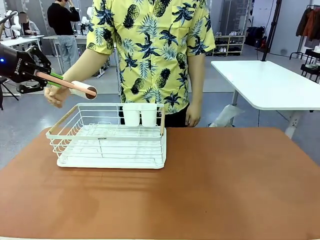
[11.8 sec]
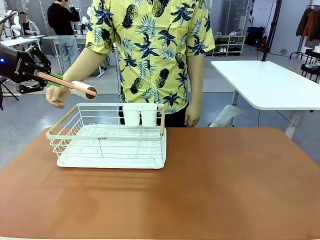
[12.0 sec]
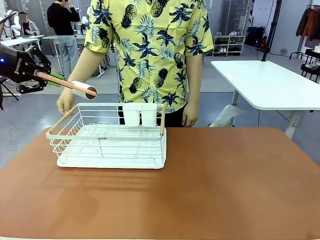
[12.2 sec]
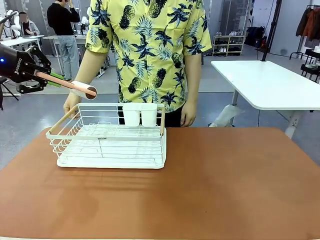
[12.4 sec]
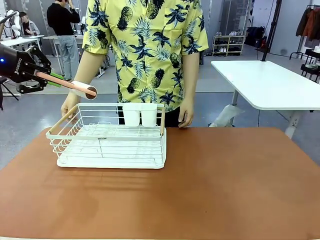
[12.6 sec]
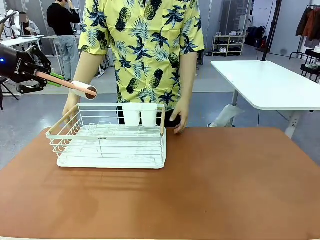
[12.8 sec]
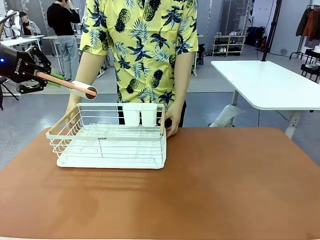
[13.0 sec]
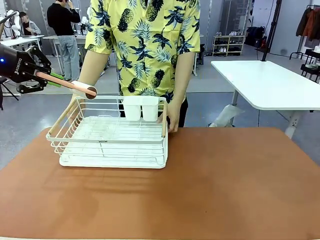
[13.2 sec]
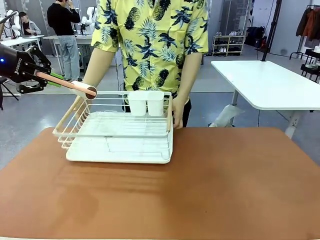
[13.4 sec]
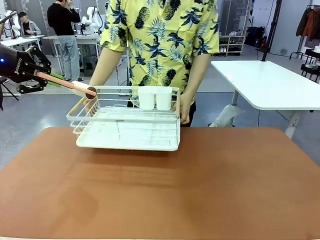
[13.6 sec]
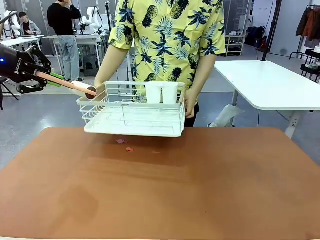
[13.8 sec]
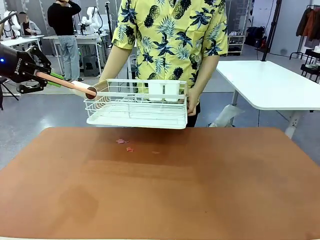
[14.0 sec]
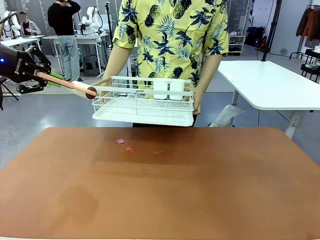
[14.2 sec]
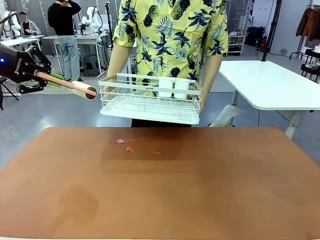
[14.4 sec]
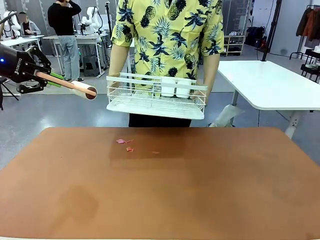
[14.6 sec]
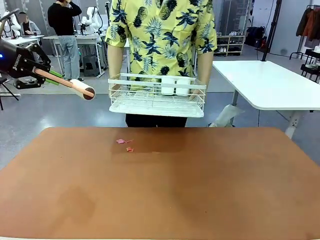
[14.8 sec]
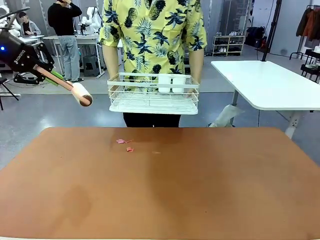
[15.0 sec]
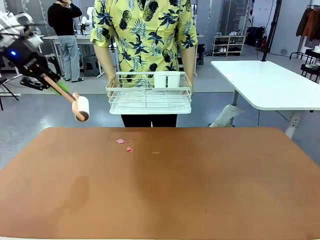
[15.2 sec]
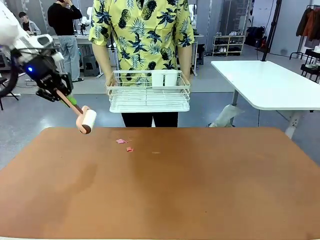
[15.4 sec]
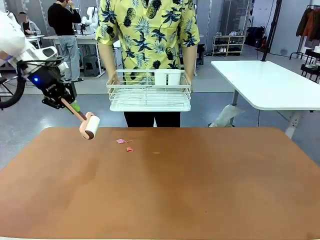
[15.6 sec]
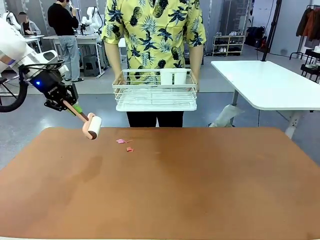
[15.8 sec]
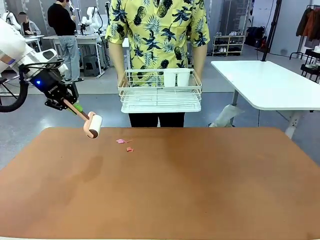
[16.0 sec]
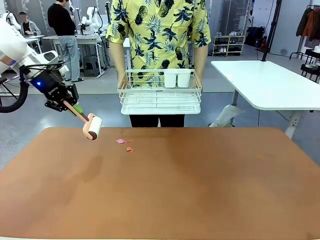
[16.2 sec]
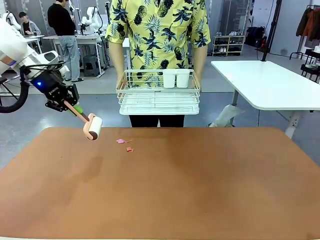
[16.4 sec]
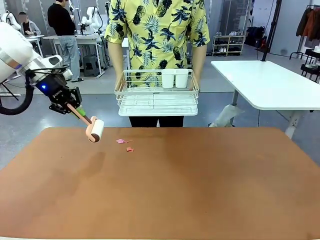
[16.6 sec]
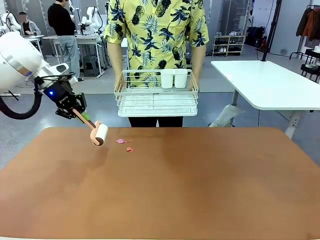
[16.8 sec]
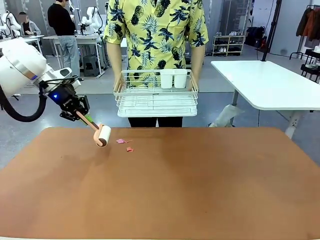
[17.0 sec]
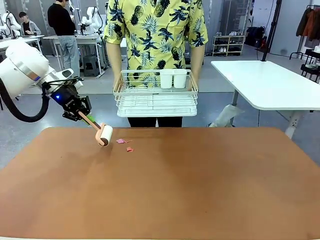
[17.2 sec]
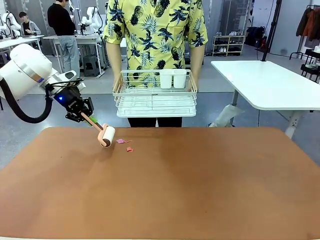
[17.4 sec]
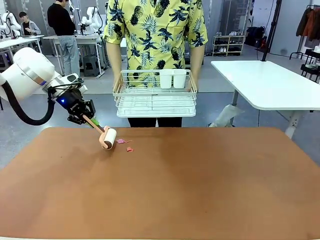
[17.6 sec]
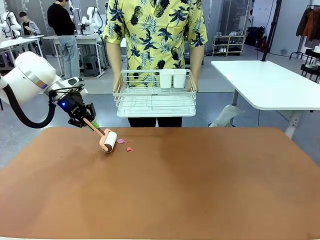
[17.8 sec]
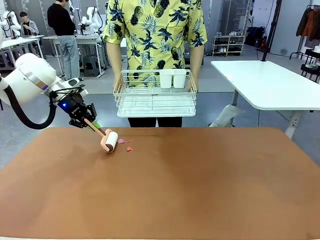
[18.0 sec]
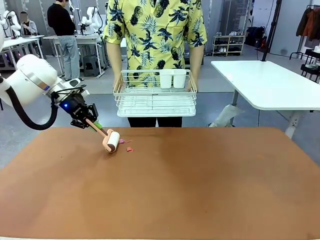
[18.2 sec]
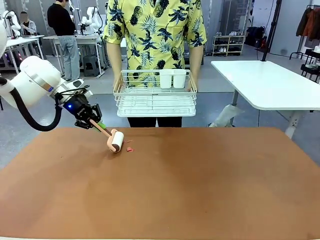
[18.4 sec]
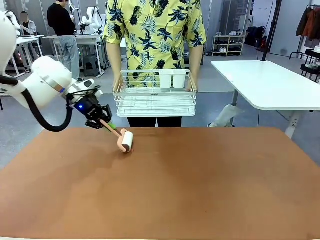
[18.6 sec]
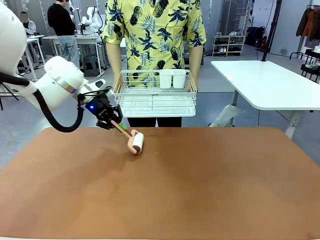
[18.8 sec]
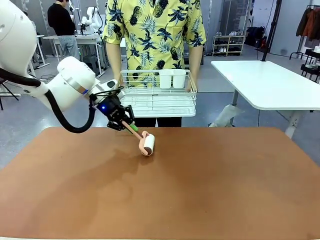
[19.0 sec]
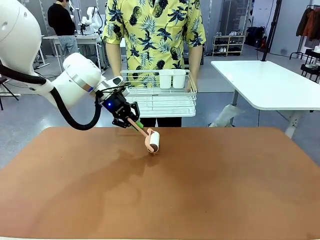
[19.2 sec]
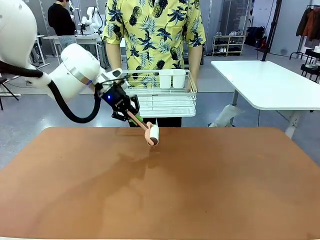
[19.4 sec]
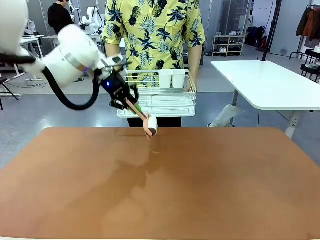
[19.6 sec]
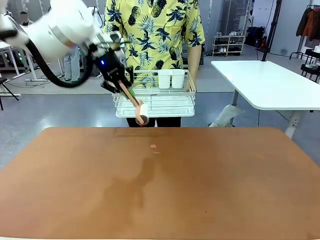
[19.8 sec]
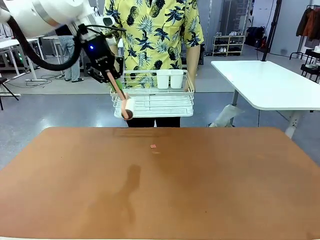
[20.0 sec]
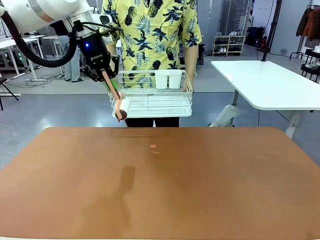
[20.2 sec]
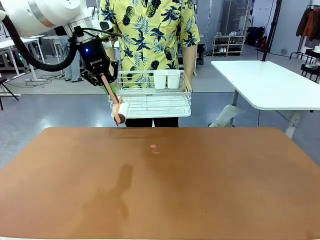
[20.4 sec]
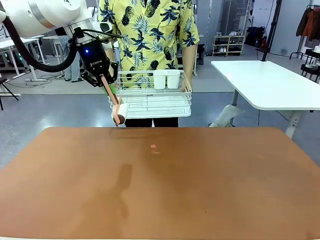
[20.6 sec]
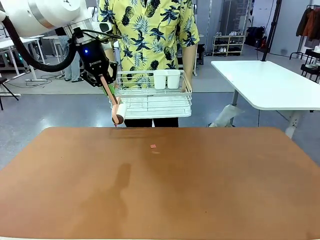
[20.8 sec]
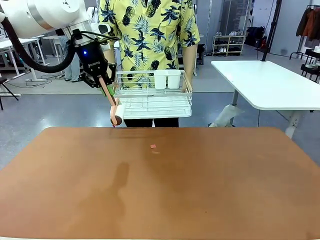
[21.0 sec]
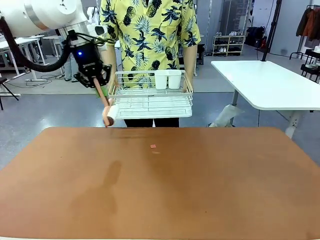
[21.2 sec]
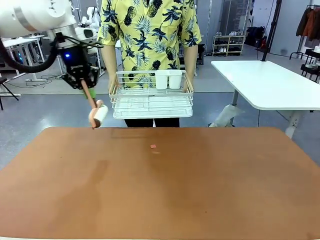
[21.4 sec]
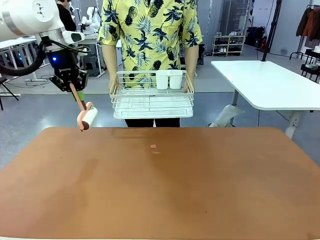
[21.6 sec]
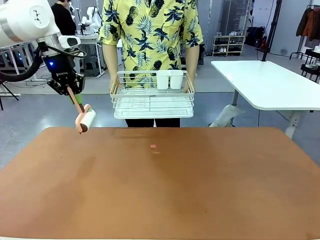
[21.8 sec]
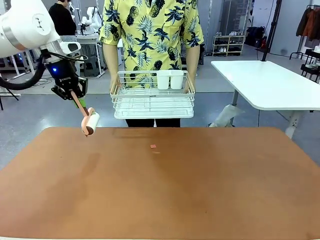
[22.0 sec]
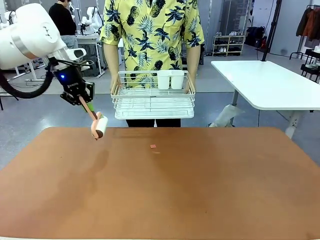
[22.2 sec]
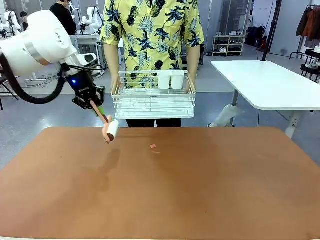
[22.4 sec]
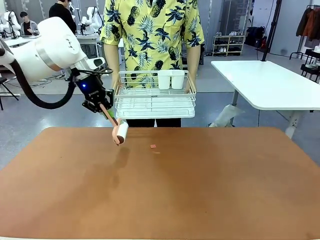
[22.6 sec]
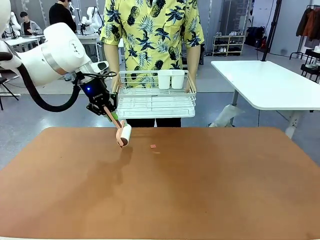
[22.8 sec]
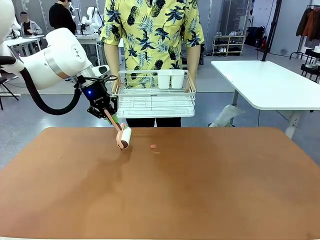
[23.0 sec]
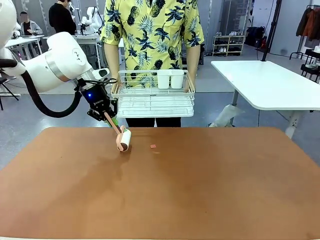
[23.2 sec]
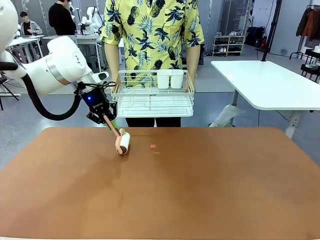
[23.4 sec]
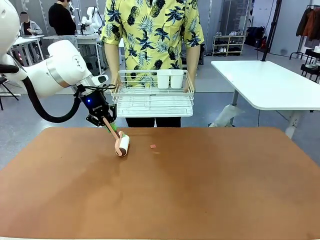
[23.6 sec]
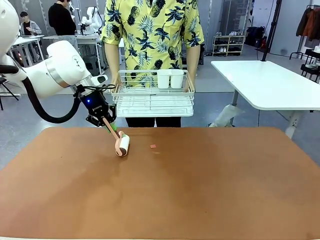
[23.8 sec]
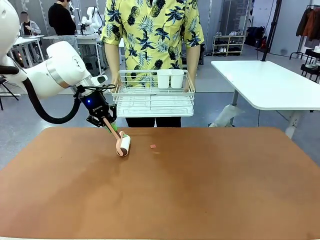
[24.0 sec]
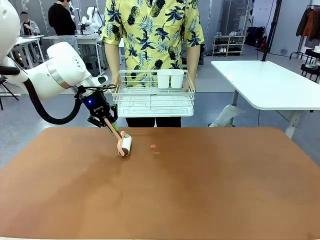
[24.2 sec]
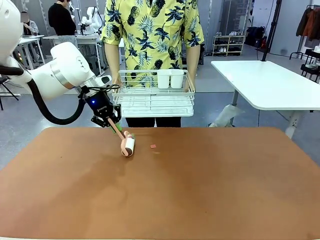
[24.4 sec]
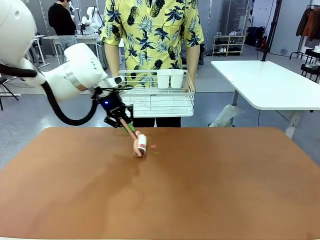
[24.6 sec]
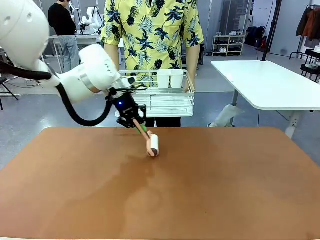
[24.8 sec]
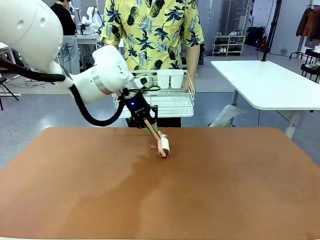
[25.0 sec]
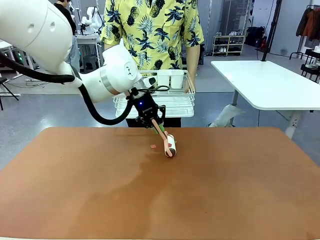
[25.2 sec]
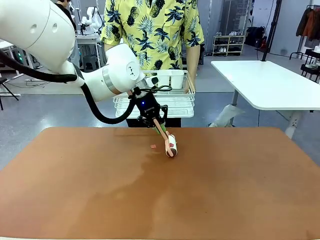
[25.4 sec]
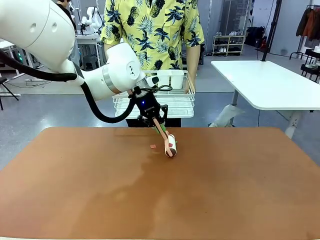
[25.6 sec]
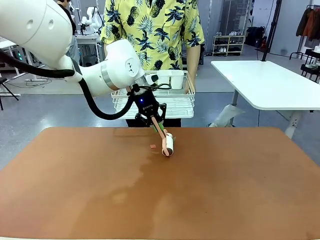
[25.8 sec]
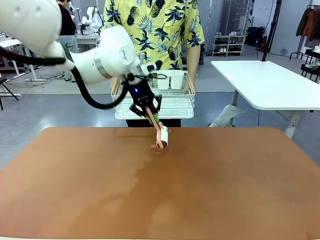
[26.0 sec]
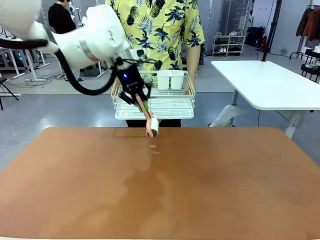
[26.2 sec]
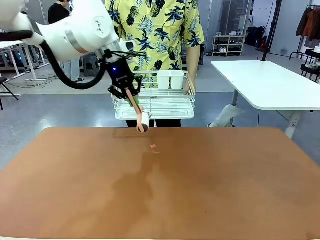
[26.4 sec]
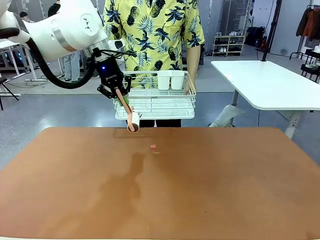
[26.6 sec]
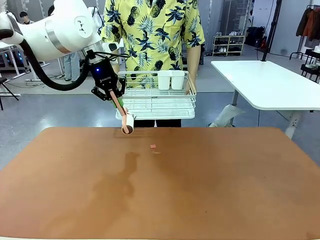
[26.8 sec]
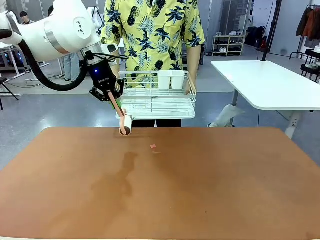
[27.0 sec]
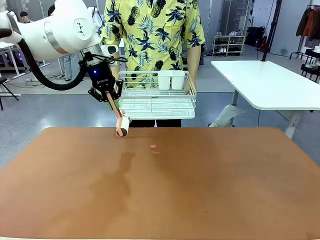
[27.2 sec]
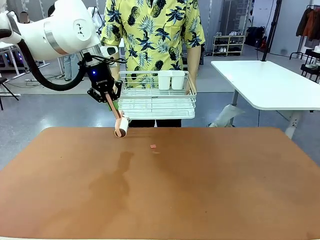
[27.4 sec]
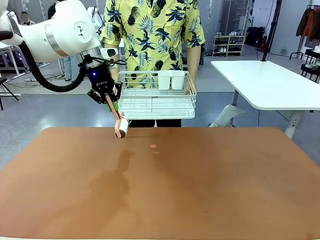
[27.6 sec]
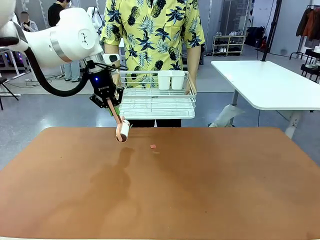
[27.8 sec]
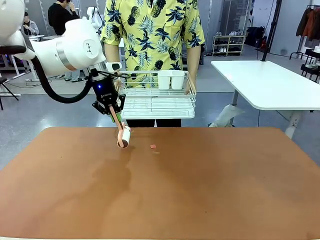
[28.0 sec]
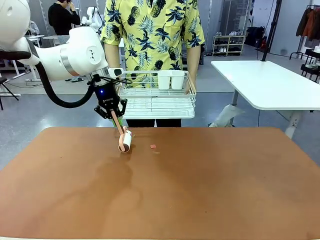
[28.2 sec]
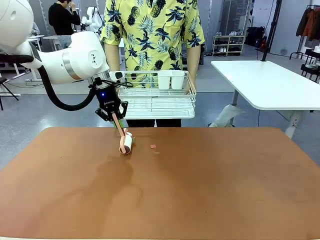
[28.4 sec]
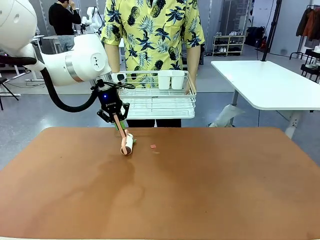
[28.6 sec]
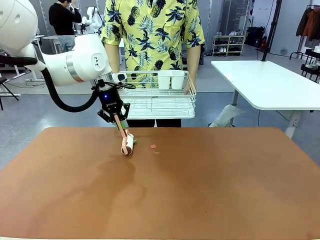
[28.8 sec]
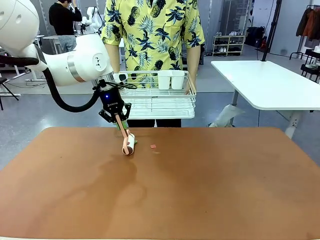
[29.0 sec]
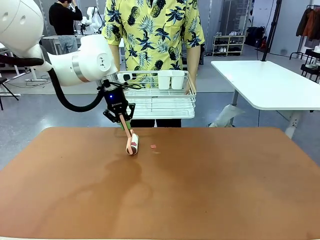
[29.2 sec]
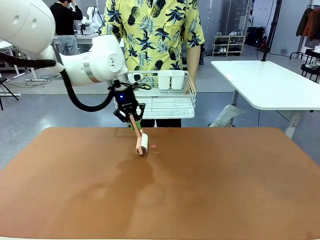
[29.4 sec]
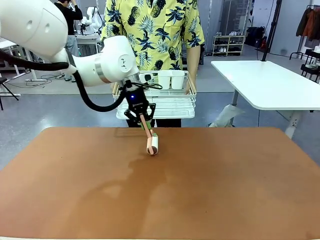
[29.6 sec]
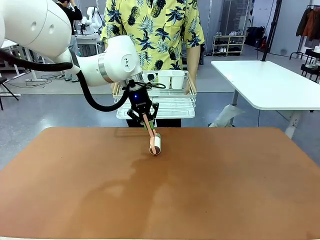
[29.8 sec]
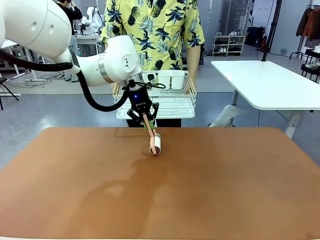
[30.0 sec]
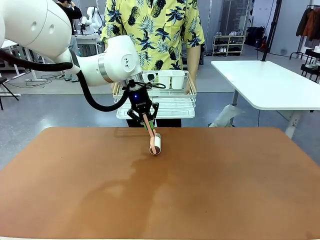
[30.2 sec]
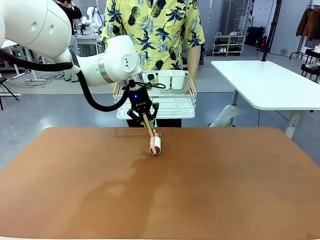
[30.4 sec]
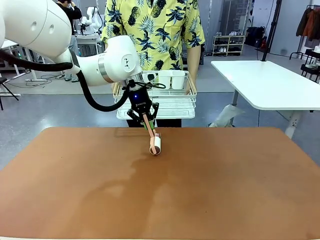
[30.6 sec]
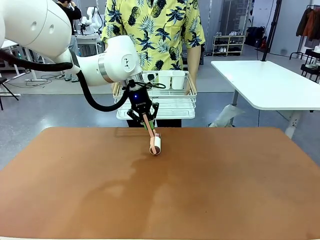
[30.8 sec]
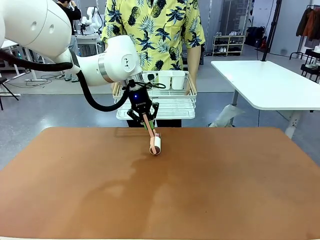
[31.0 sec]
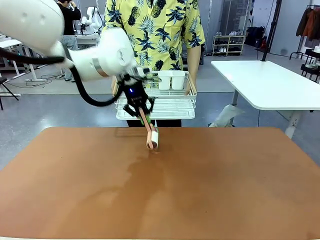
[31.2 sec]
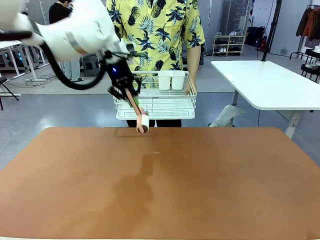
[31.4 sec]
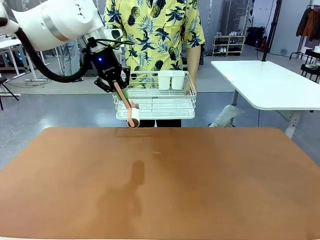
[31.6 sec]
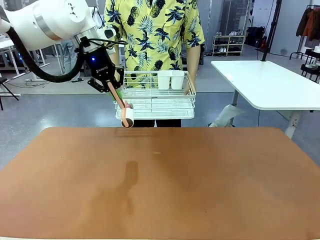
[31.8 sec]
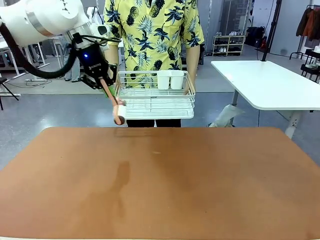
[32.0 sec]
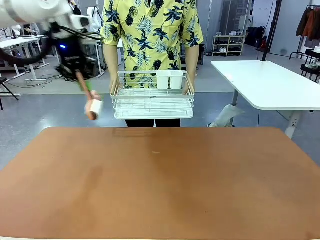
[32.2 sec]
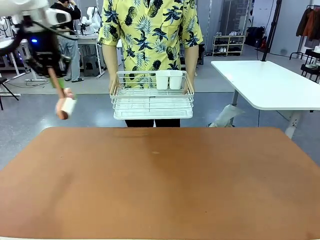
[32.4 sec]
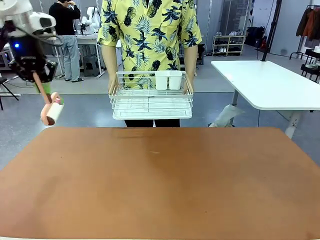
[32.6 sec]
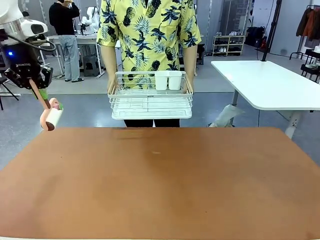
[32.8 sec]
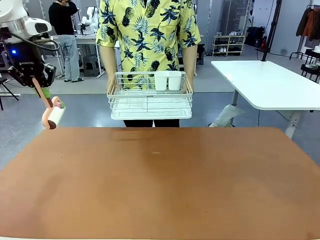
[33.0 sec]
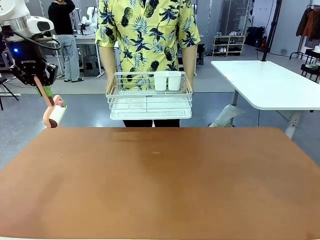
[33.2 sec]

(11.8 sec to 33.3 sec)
Task: Clean the table.
Robot: Clean the table with the Lint Roller when the human lifts the Dish drying rack.
Person: Place the Dish drying rack down when the robot finishes cleaning.
